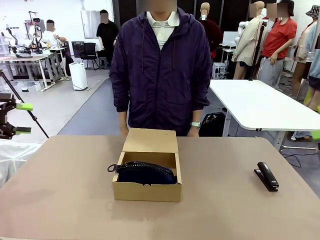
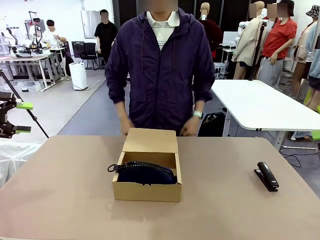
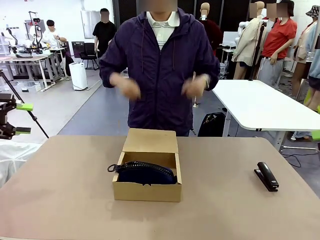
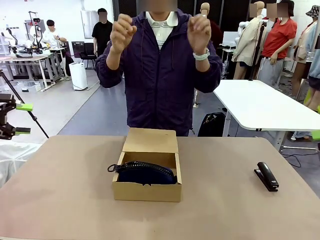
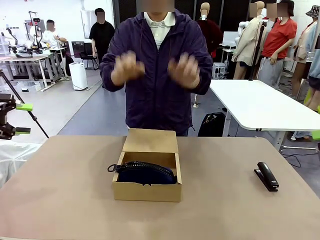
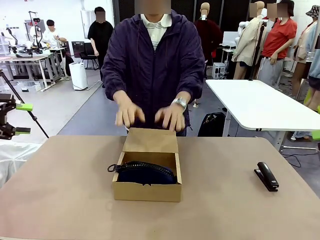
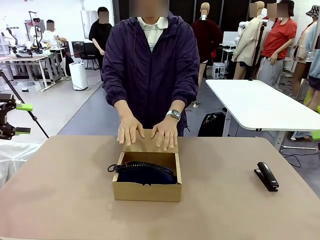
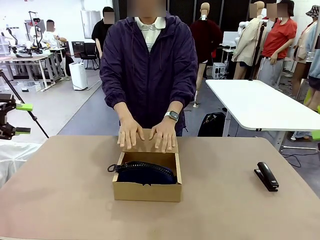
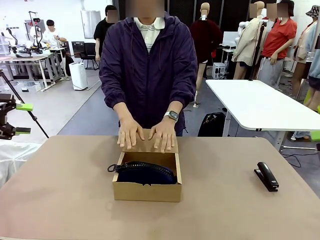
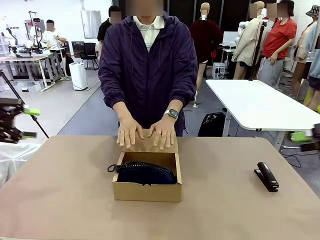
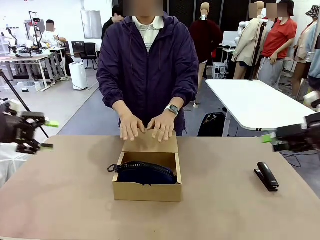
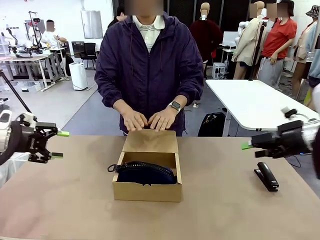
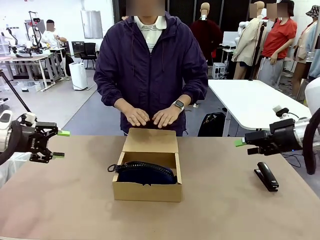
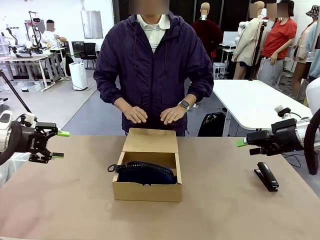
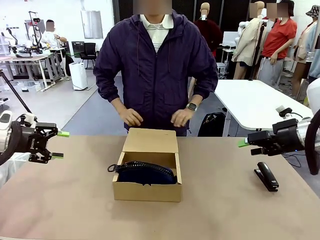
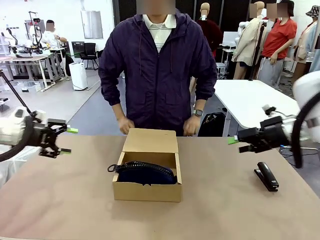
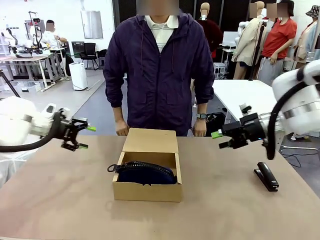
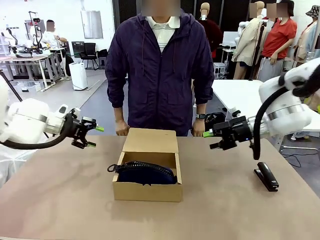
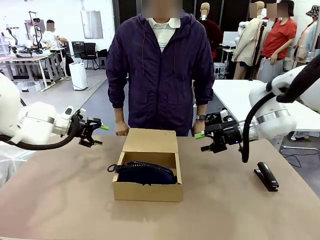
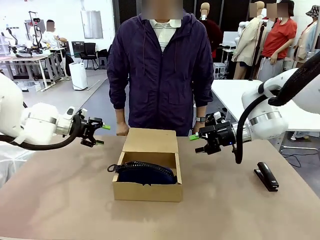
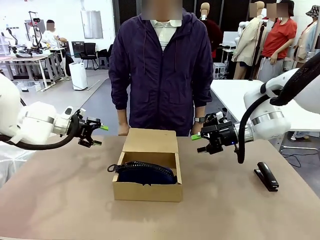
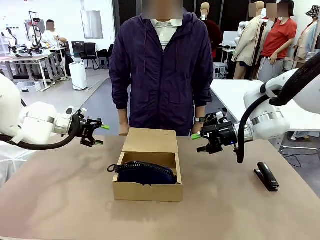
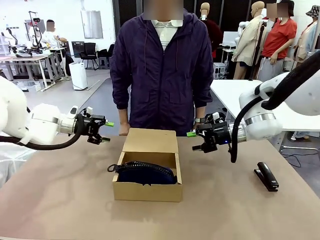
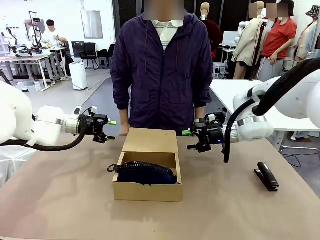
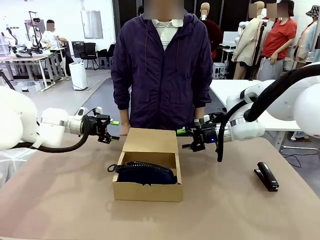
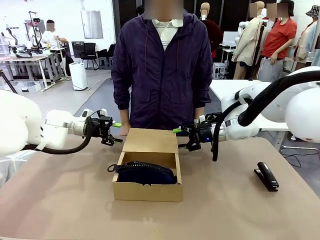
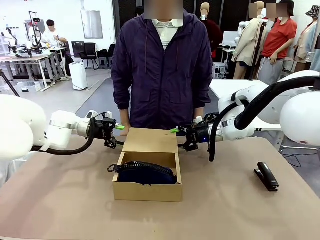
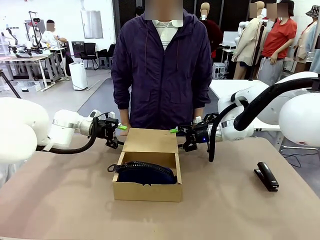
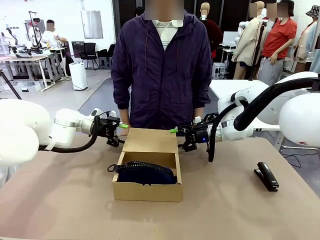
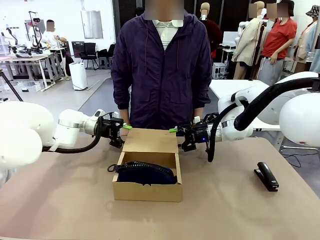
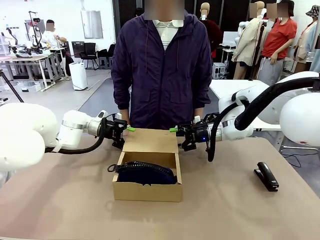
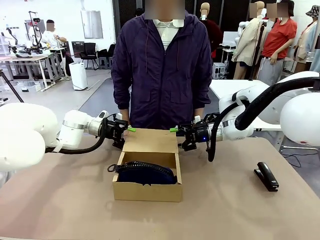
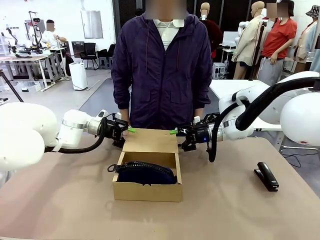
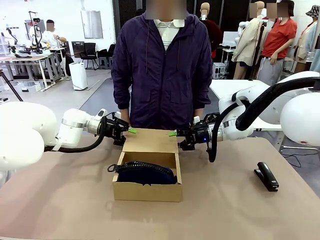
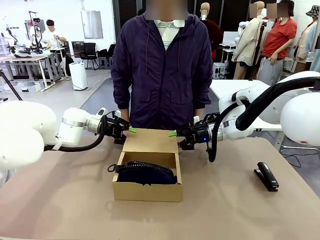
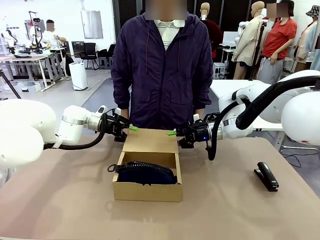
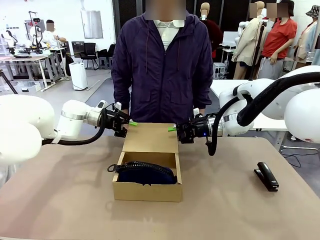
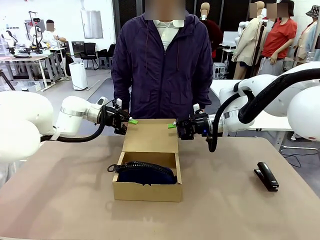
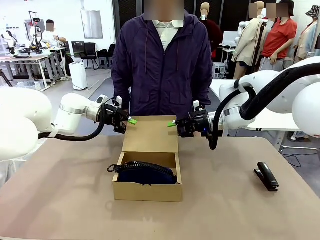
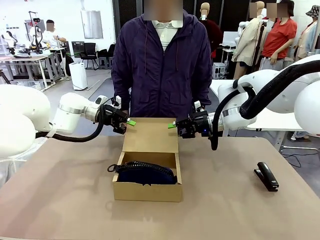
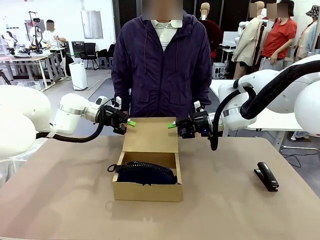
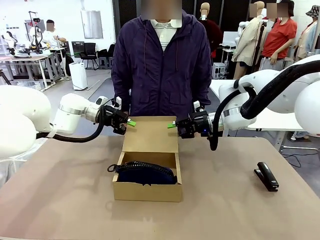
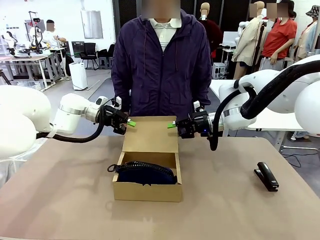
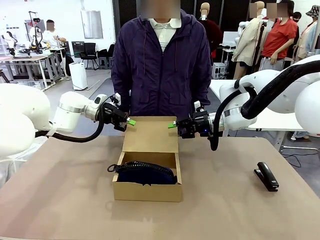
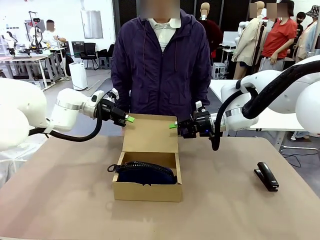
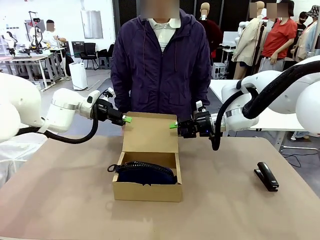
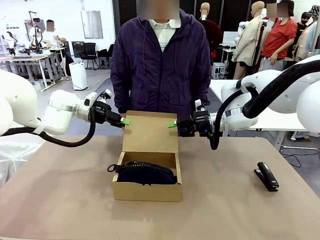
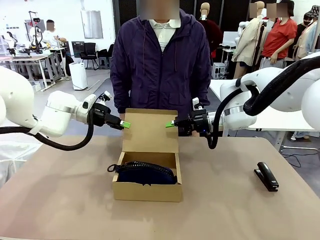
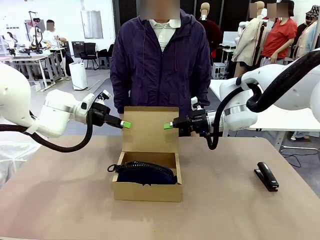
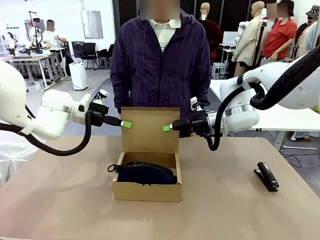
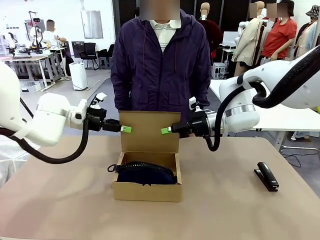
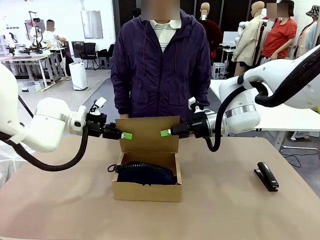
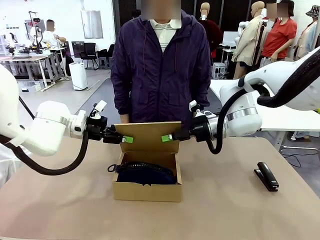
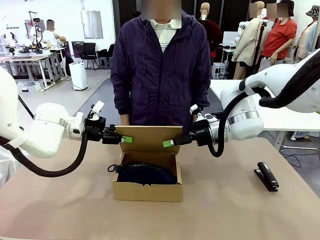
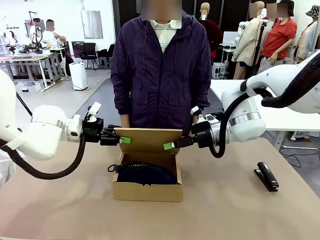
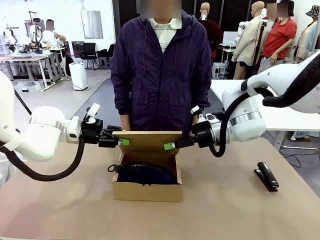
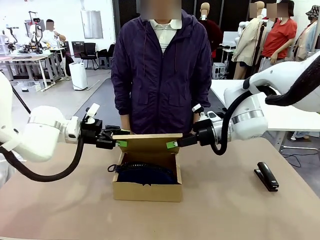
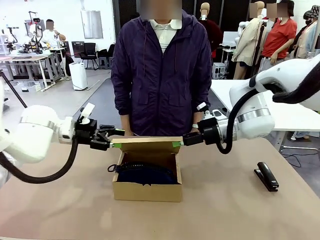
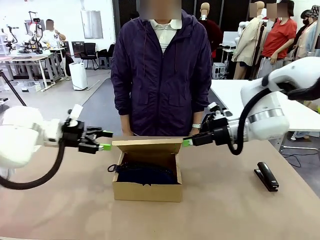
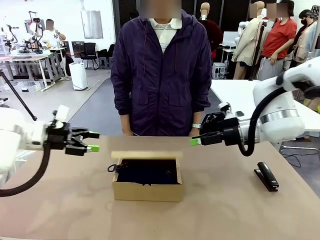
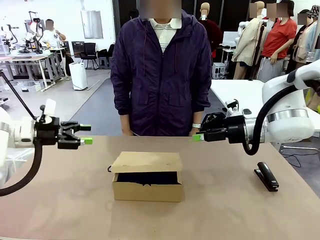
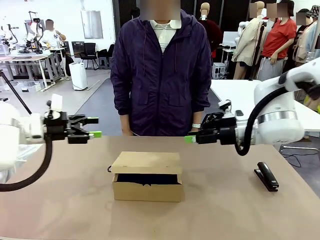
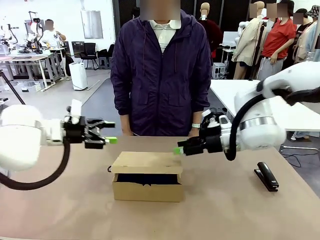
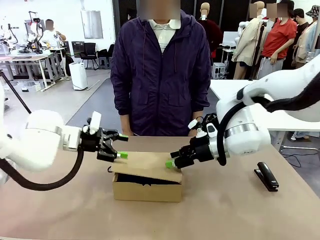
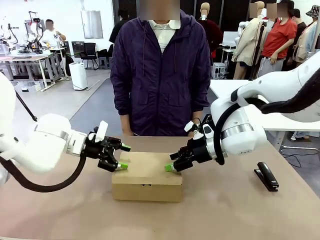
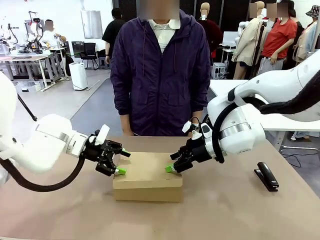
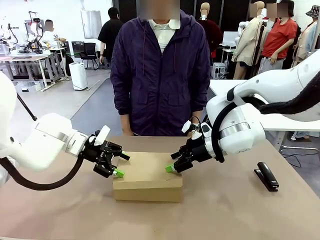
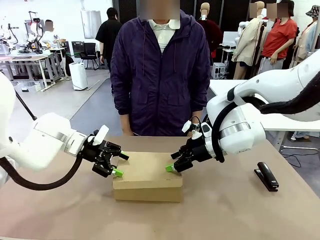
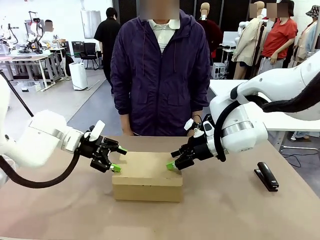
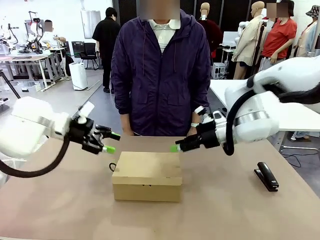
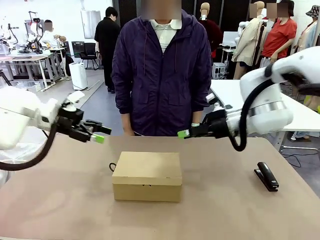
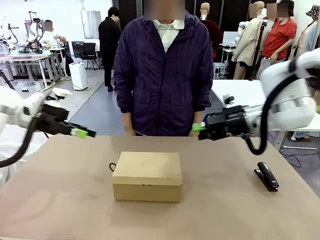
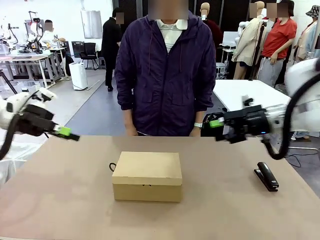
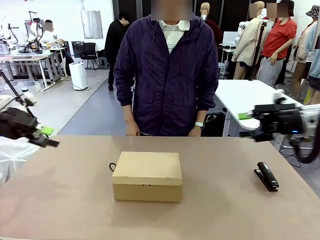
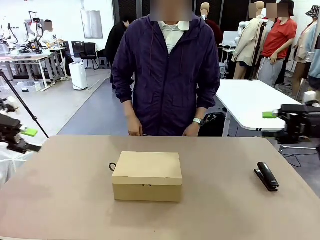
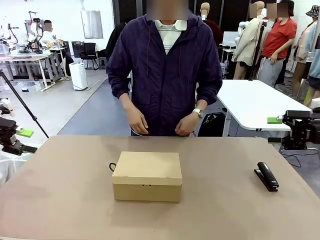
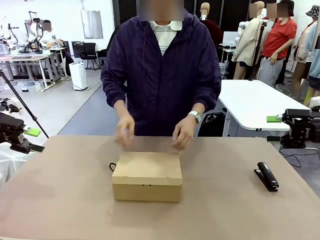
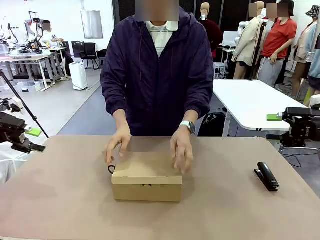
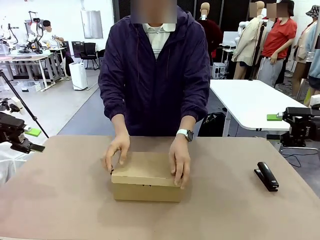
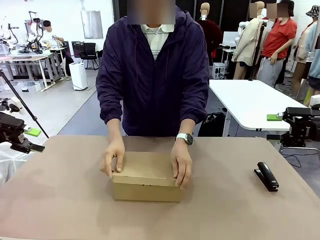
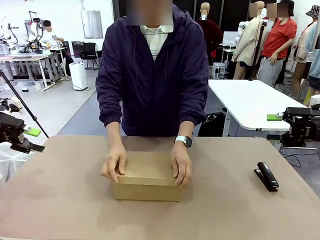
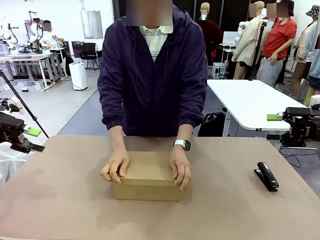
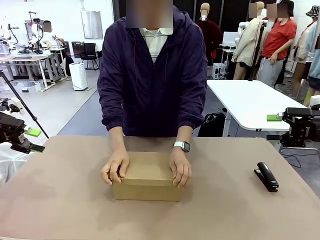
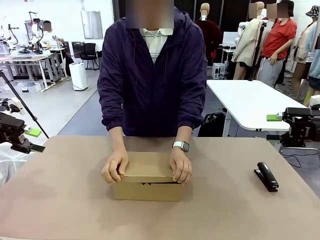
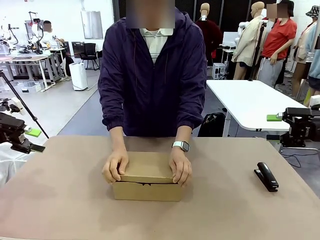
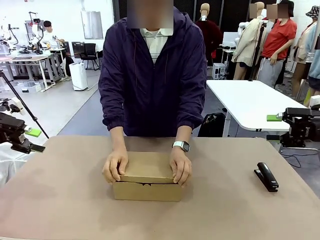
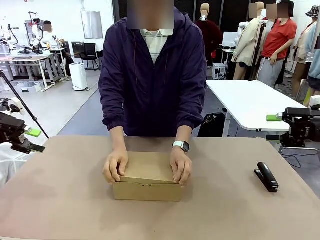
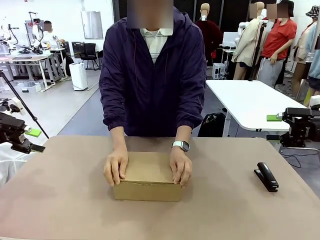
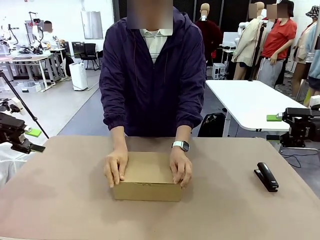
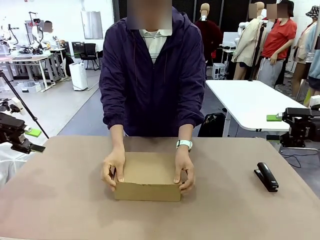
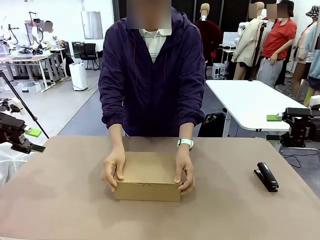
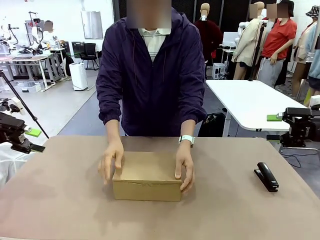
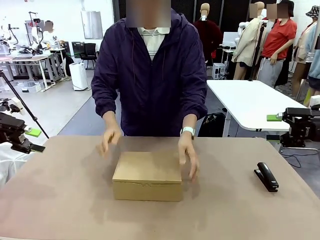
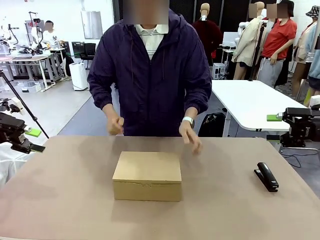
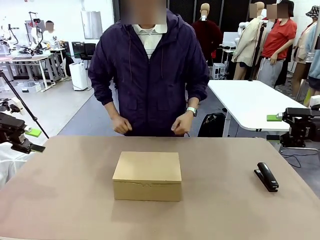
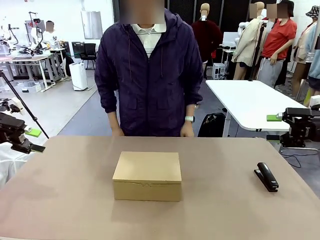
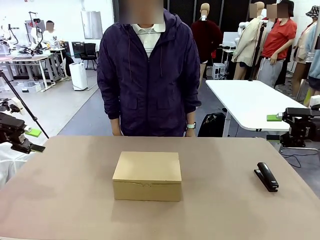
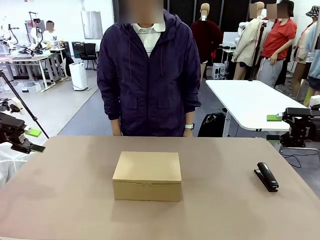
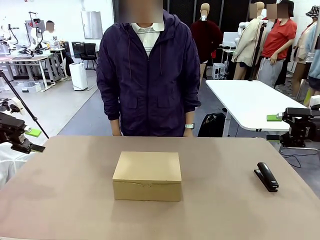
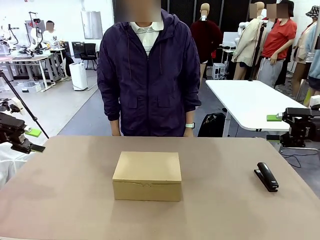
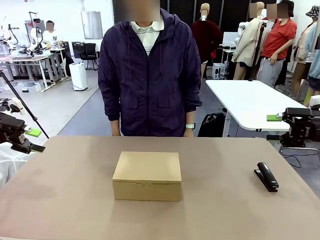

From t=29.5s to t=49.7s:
Task: Pack the items into the box.
Robot: Close the Mailer Box.
Person: Turn the box and lock it.
